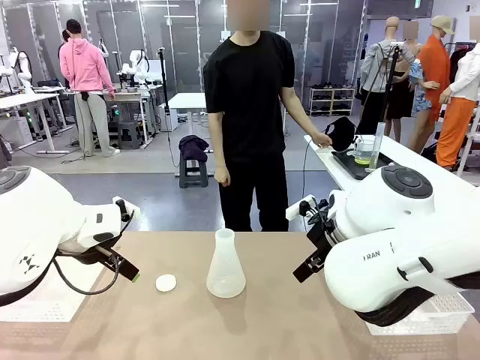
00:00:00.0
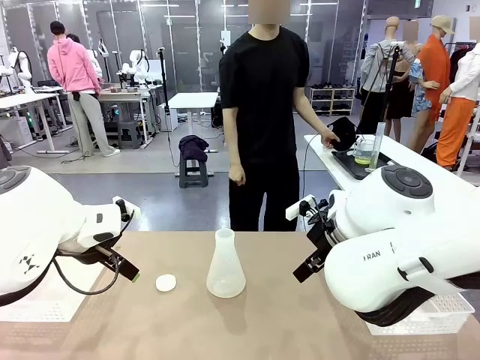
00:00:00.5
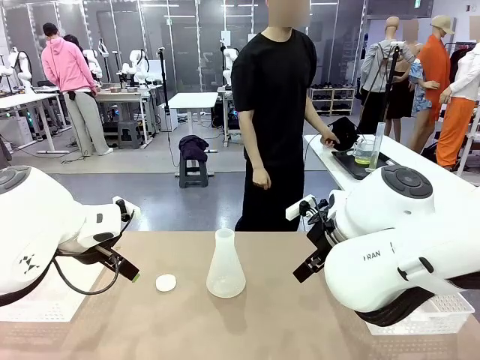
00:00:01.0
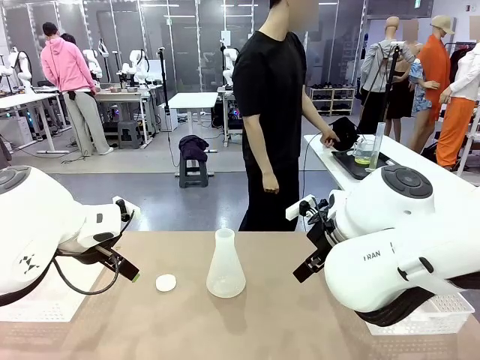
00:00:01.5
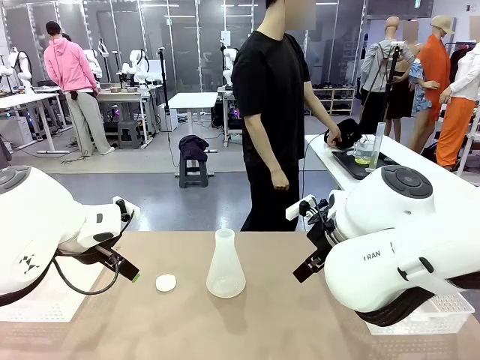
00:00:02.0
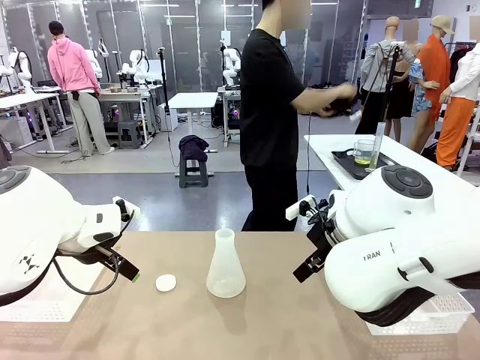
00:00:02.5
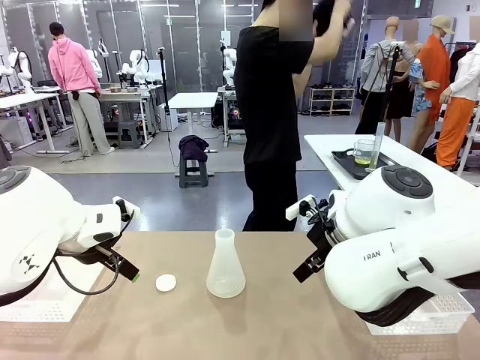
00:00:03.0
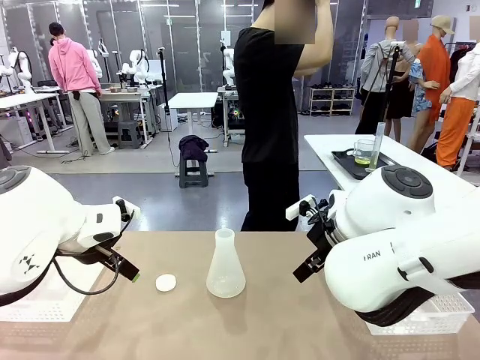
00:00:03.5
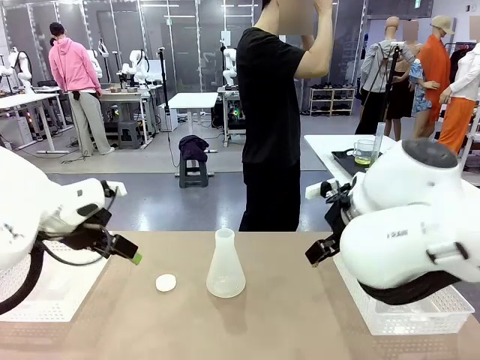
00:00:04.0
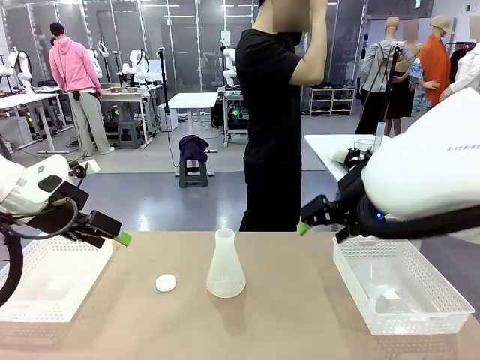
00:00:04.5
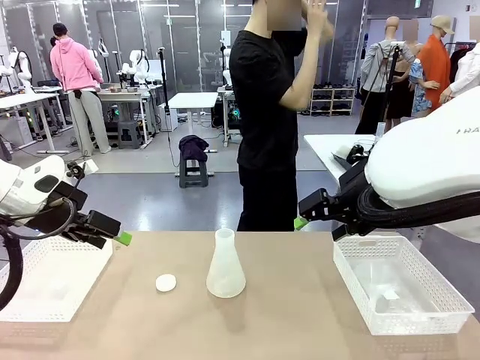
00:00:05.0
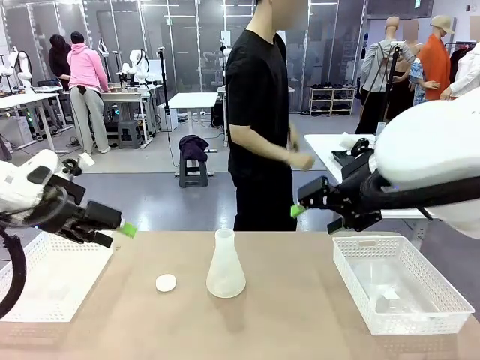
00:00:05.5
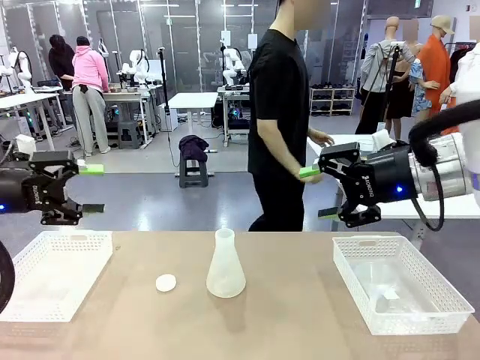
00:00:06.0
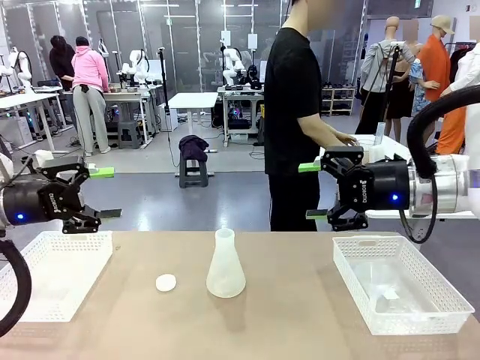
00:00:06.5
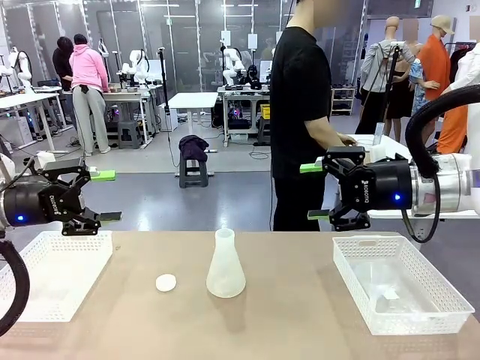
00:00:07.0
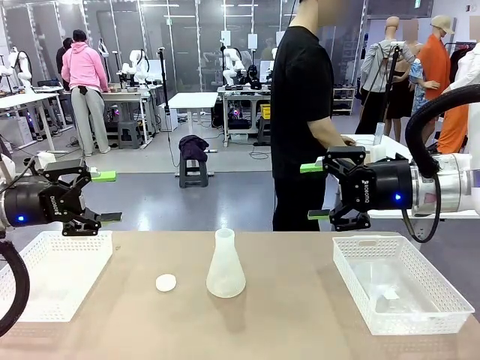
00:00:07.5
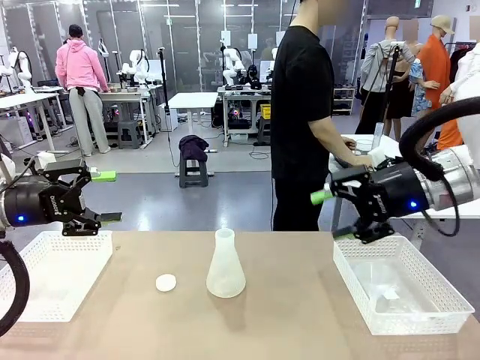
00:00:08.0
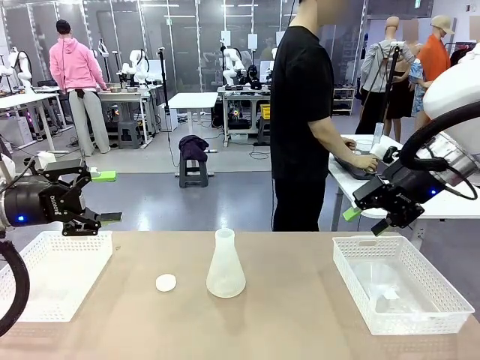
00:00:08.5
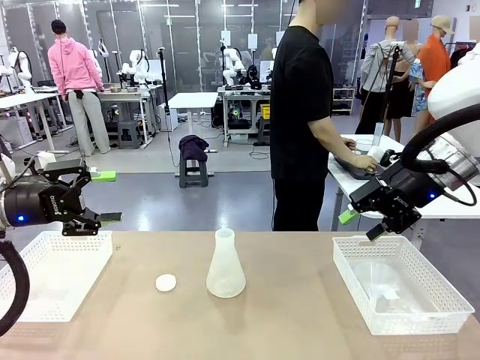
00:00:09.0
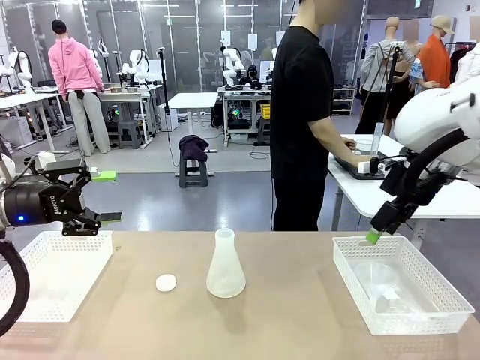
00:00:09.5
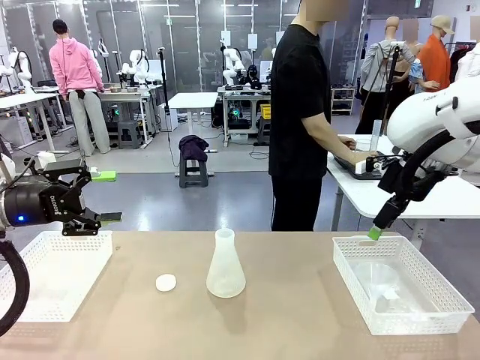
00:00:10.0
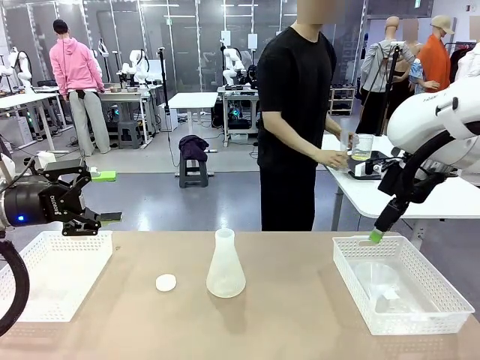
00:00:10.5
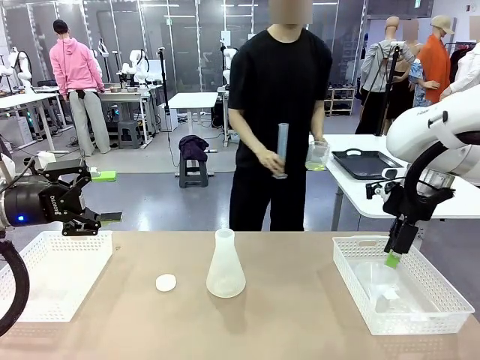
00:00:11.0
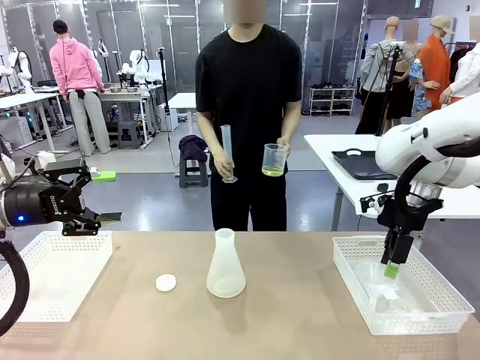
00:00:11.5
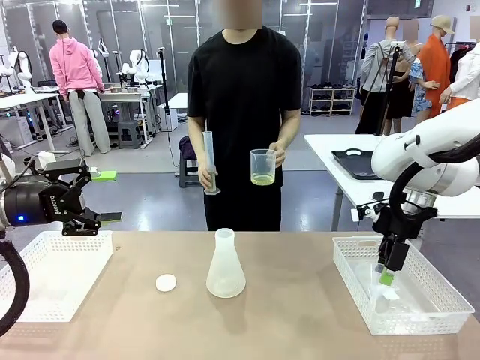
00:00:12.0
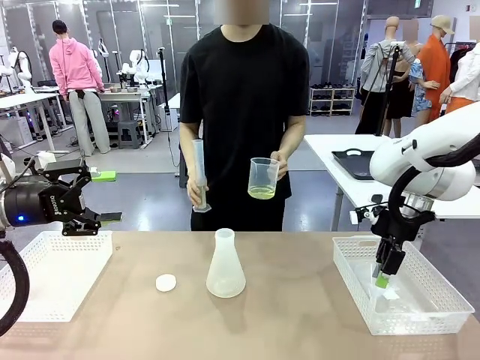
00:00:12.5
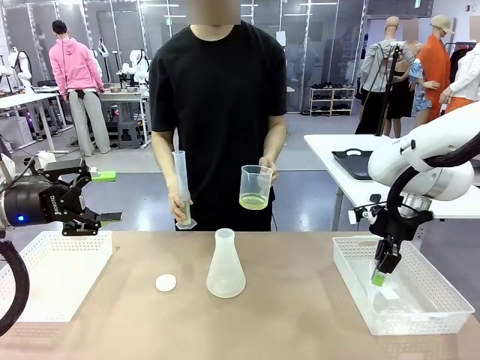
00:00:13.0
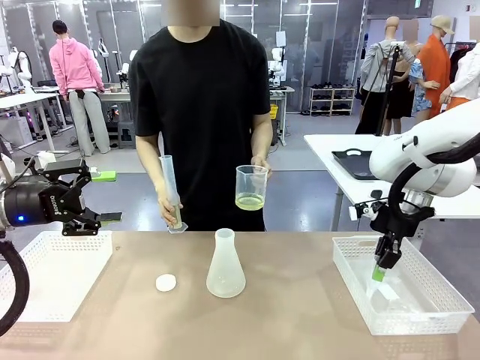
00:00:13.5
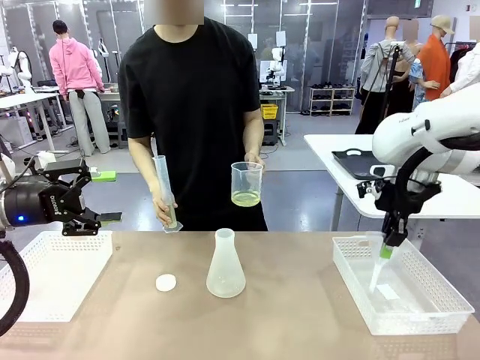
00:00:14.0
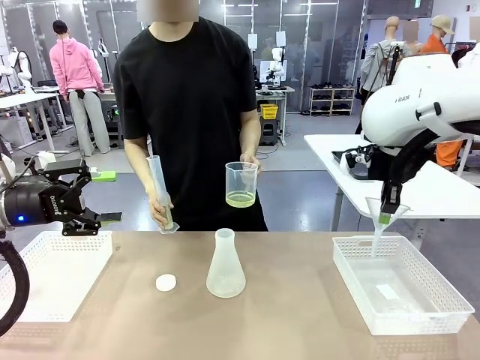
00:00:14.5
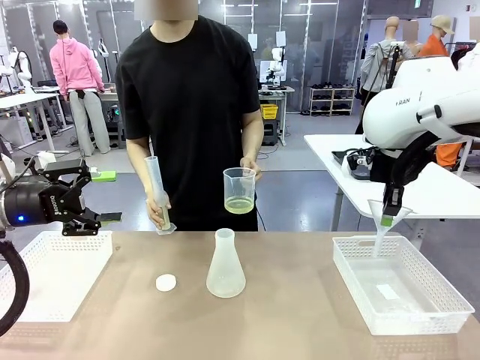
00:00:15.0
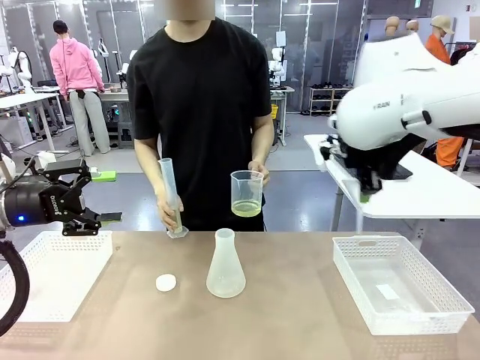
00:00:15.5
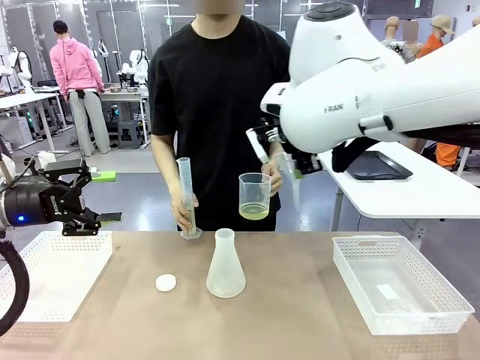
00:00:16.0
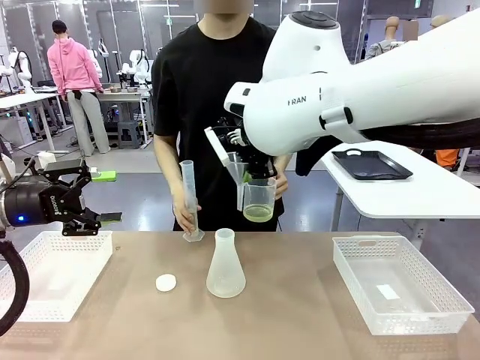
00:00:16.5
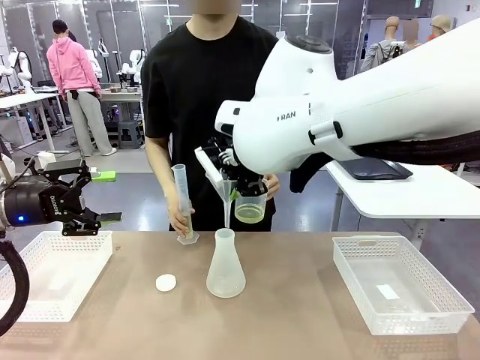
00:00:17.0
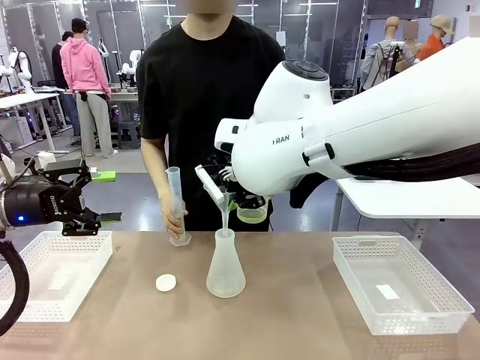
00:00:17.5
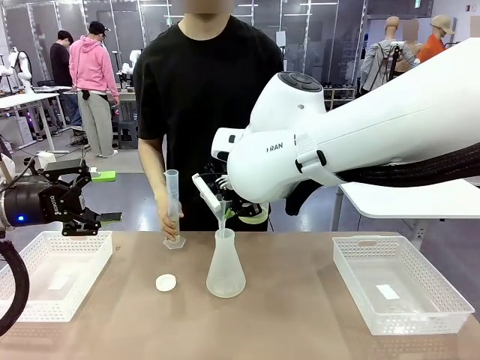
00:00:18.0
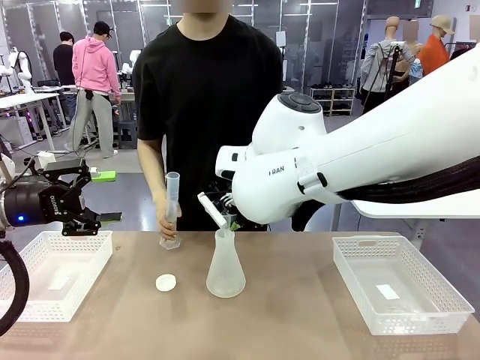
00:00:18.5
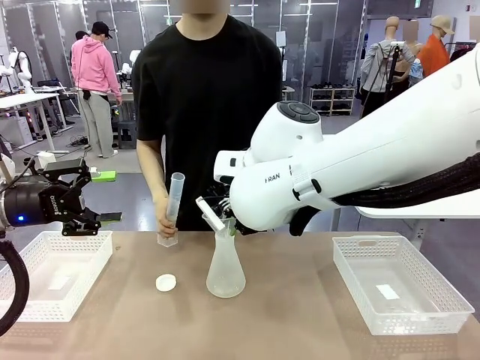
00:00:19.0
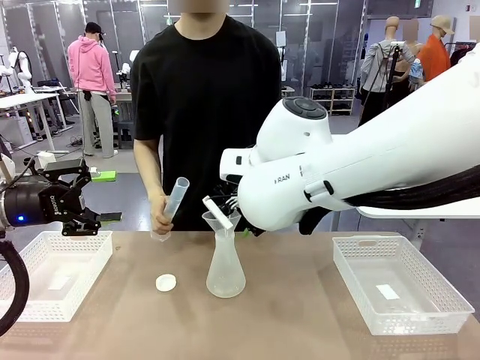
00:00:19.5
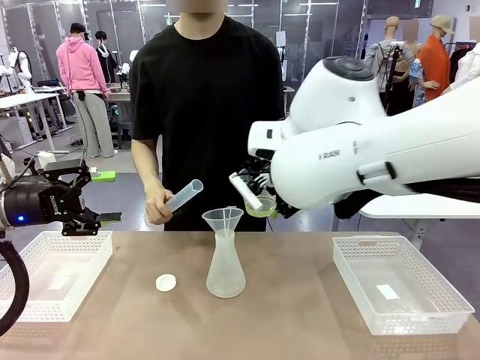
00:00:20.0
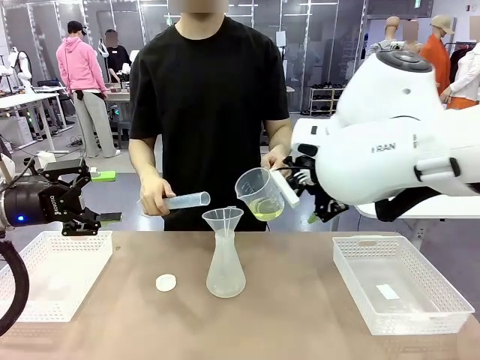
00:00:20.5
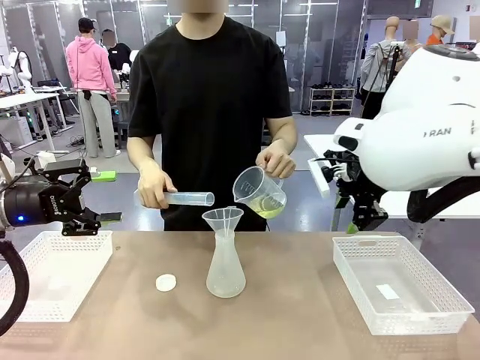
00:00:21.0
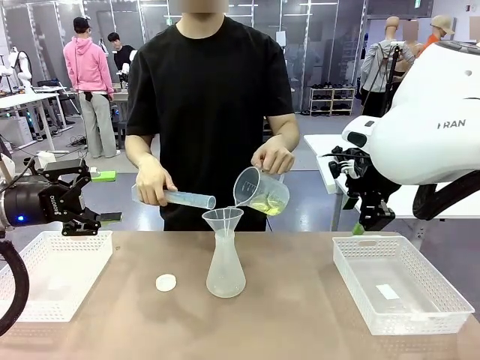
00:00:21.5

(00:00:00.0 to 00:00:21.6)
Task: Prepare the solutions needed for the experiment.
Robot: Pick up the Plastic Funnel and insert it into the Big flask.
Person: Pick up the beaker and the cylinder and move to the middle of the robot table. Pour the solution from the beaker and the cylinder into the flask.
